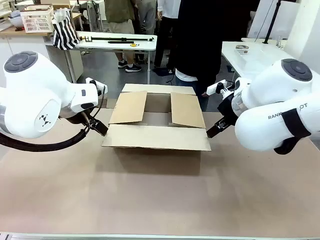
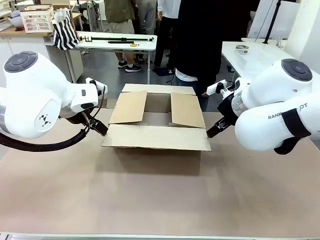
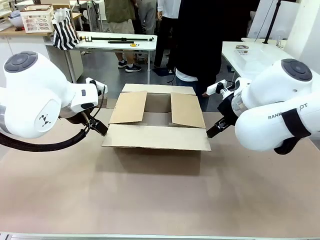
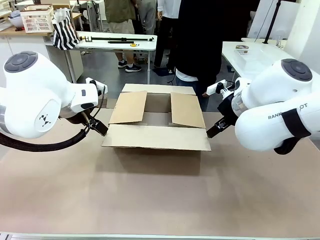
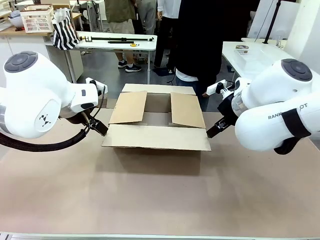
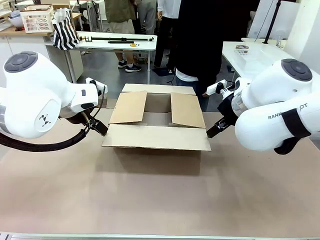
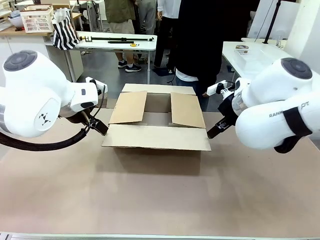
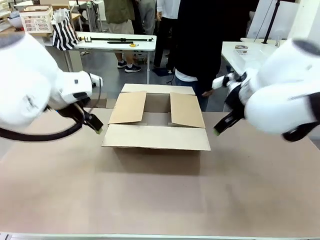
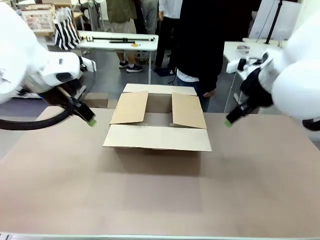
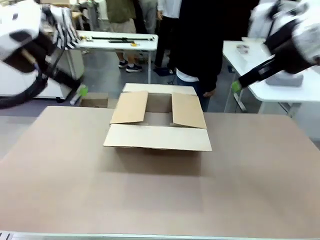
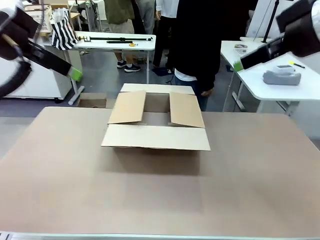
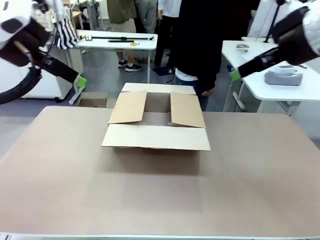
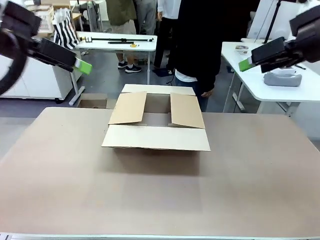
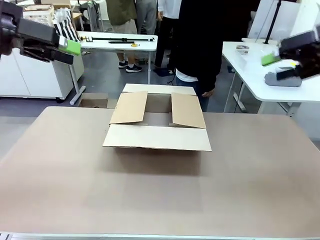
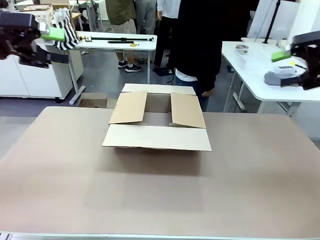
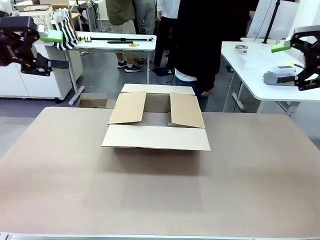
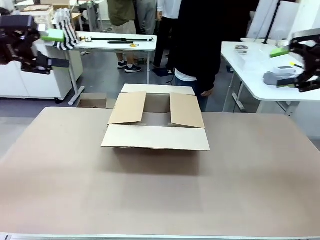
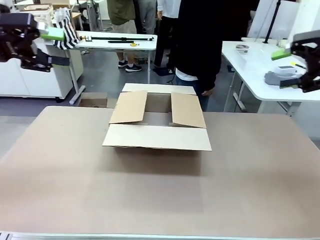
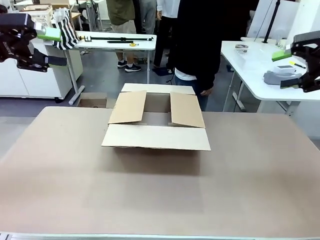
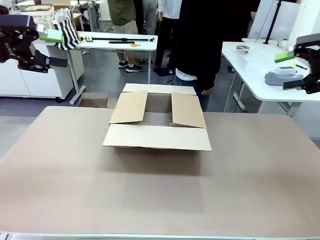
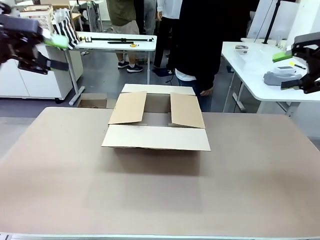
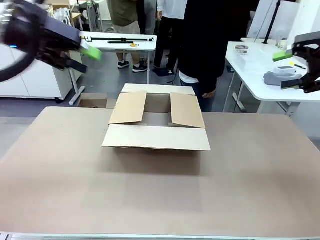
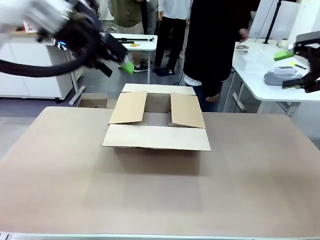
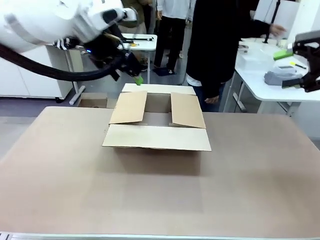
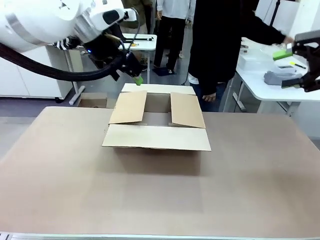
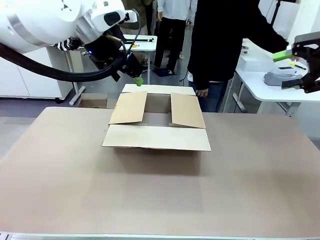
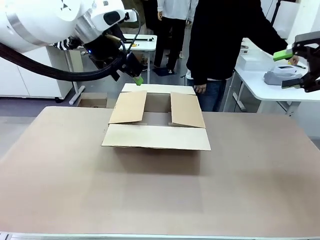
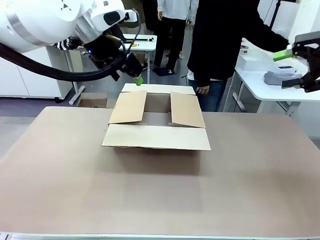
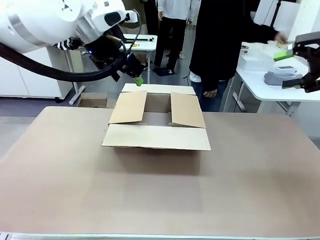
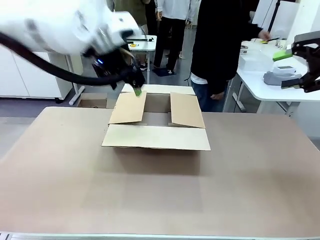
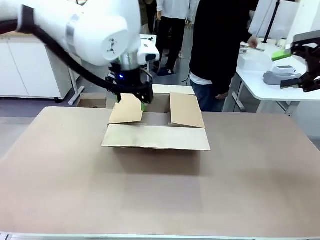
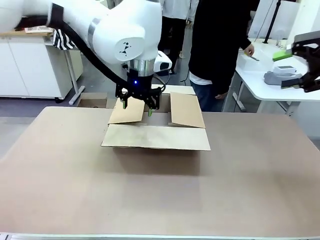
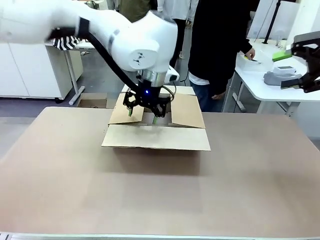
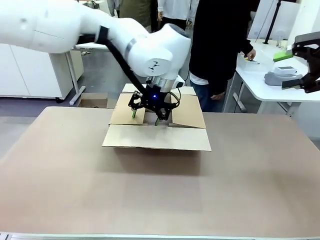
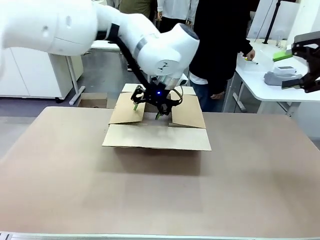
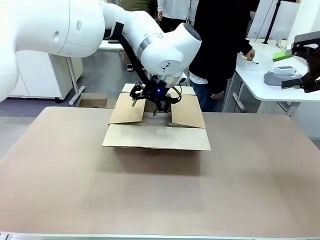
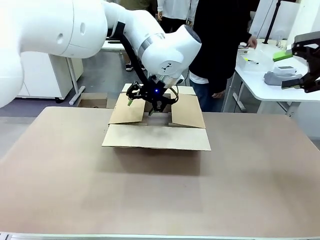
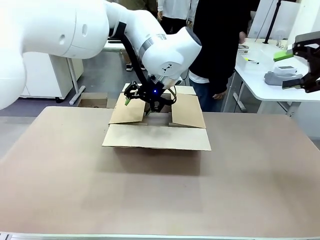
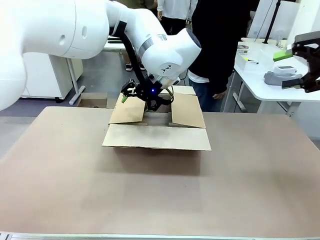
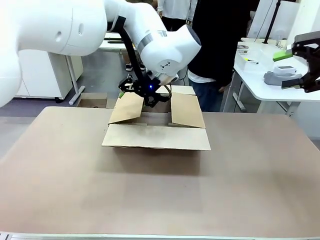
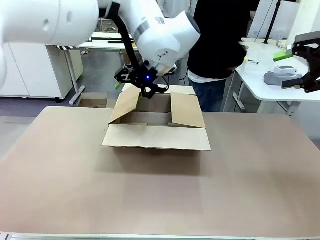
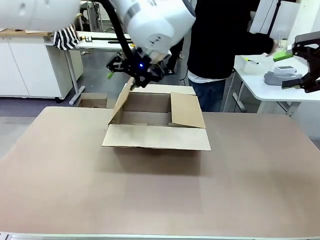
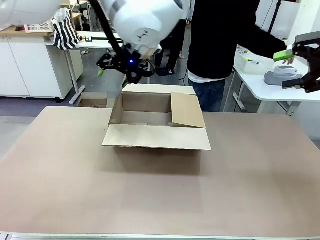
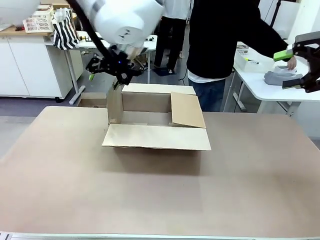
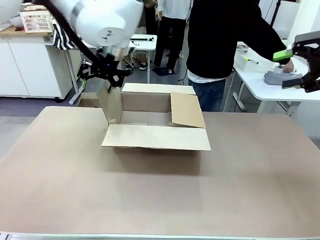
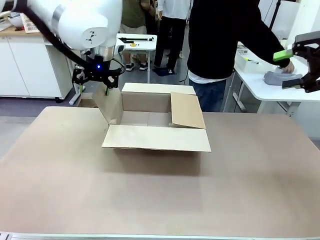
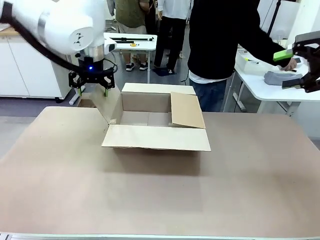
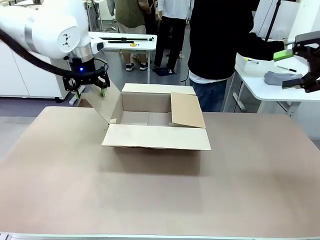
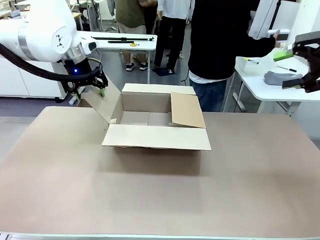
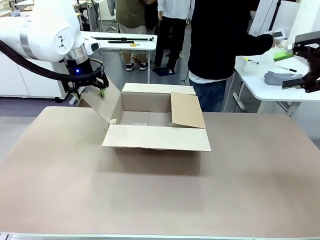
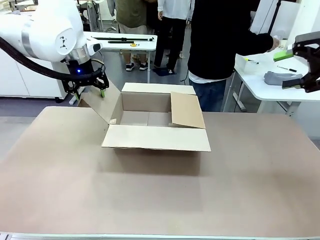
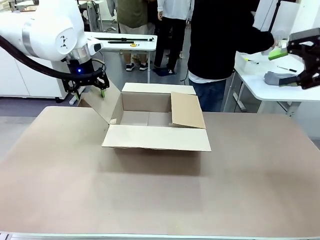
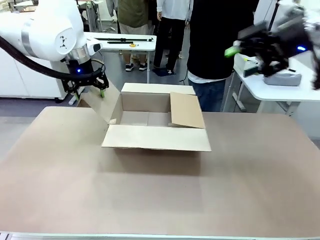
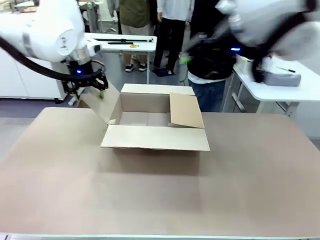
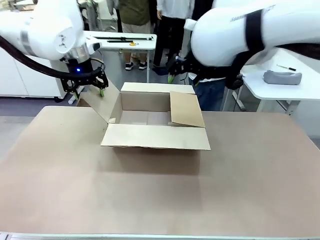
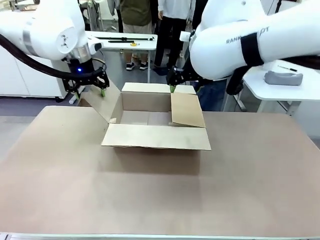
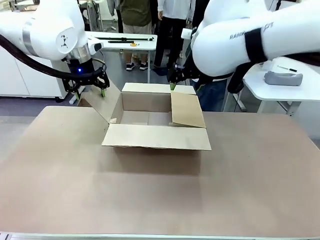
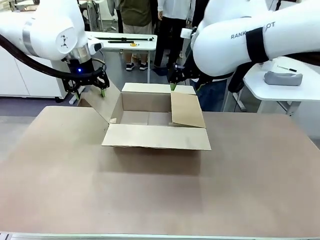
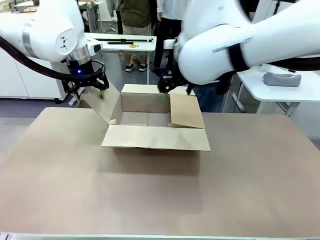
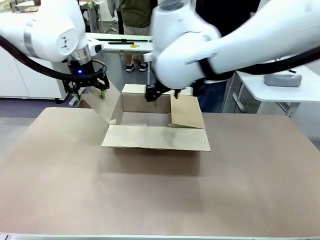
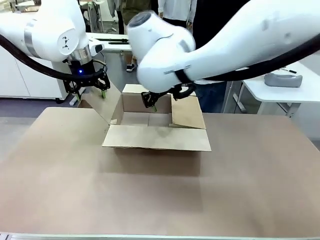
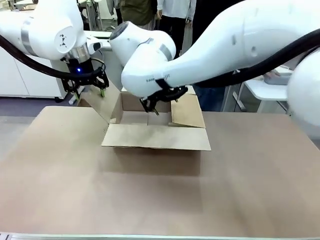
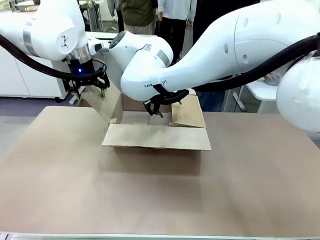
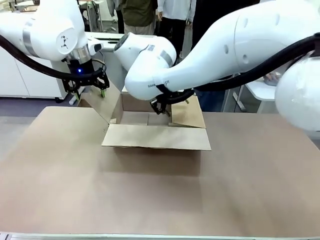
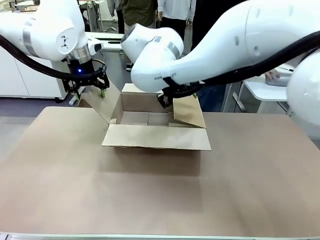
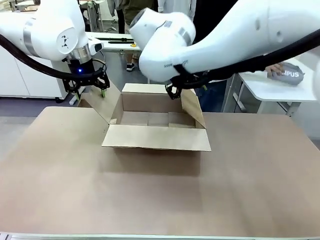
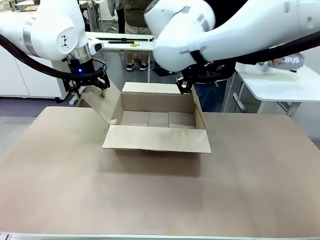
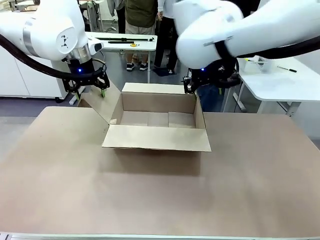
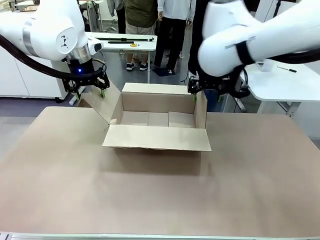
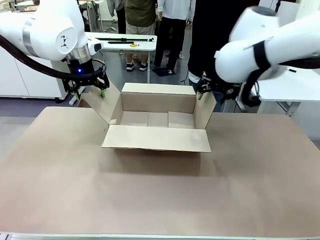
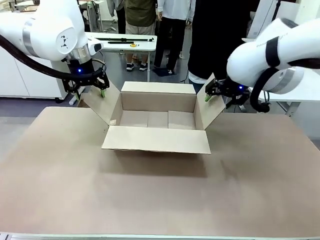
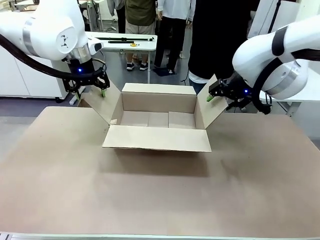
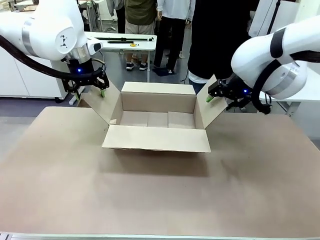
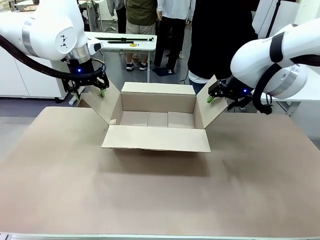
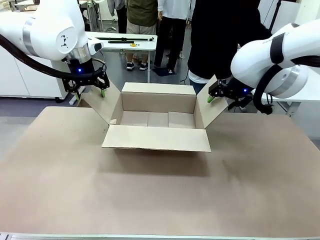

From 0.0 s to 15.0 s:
Task: Pack the gift set into the box.
Robot: Place both hands on the side flaps of the Package Box and spread them outward.
Person: The human places all items except the paper tape into the organizing basket.
